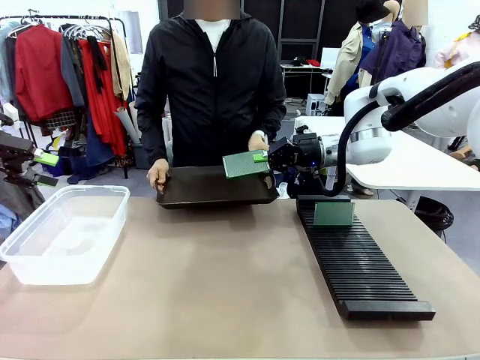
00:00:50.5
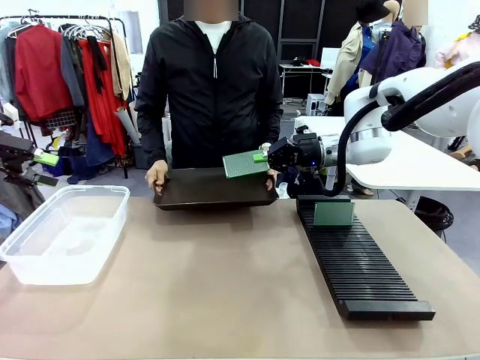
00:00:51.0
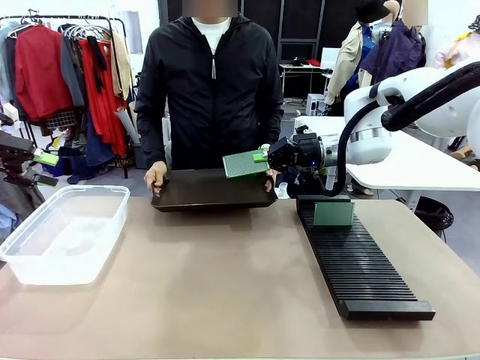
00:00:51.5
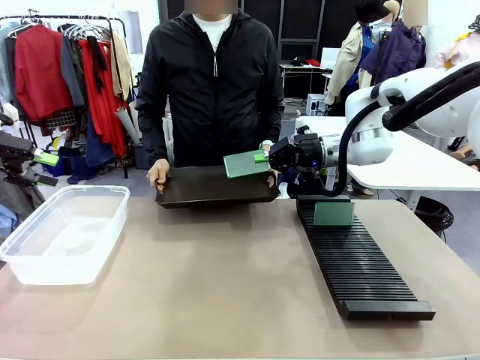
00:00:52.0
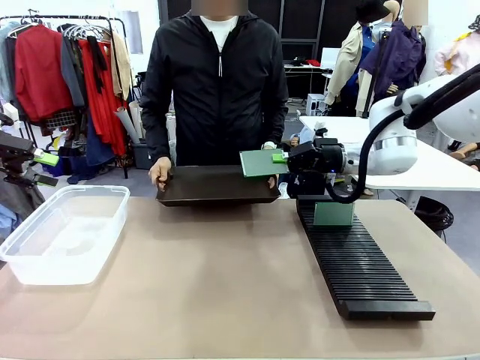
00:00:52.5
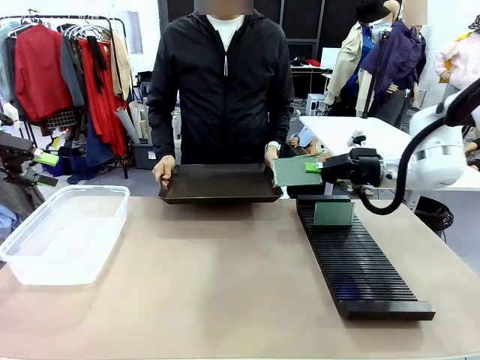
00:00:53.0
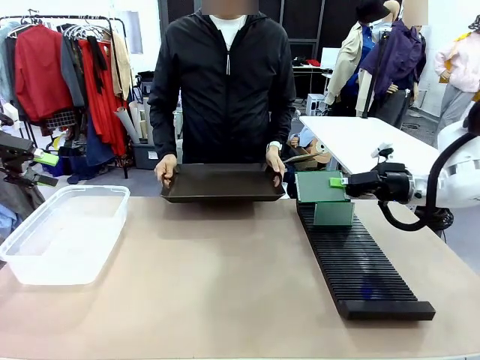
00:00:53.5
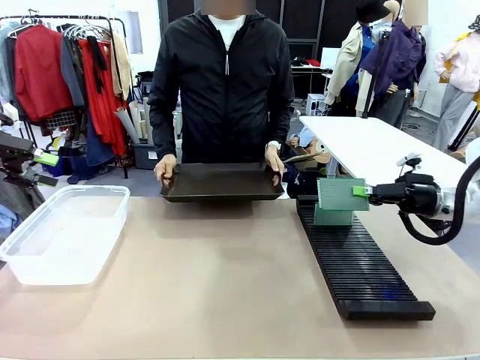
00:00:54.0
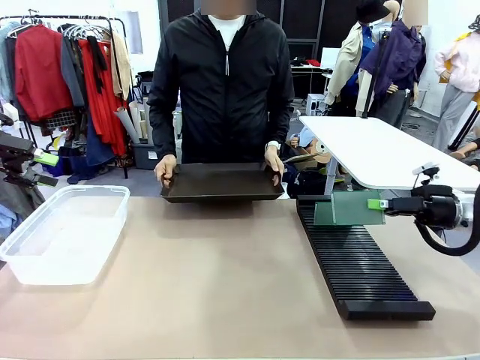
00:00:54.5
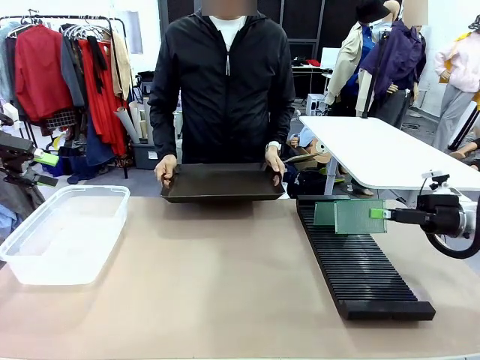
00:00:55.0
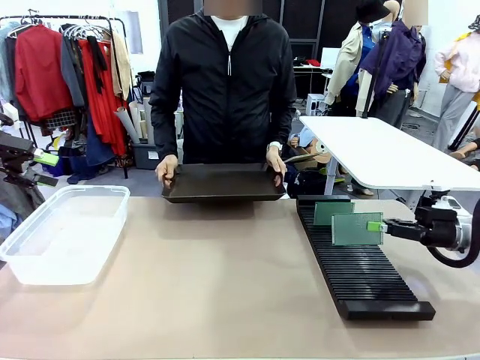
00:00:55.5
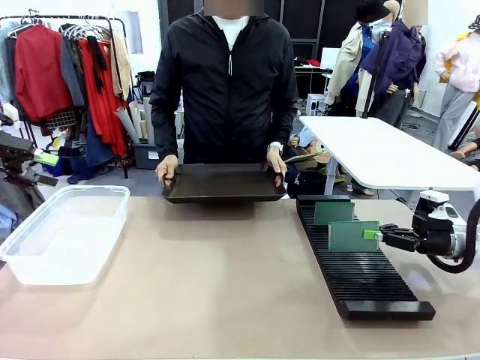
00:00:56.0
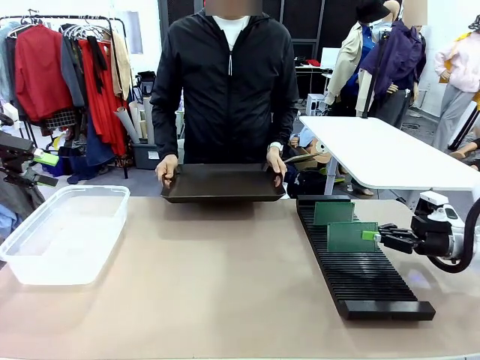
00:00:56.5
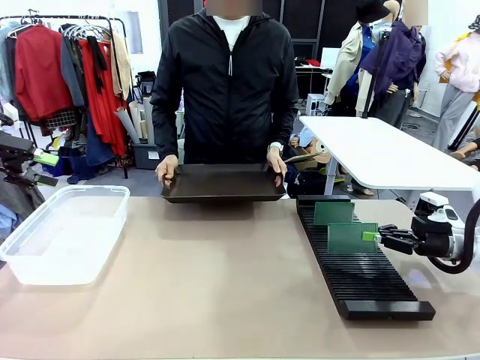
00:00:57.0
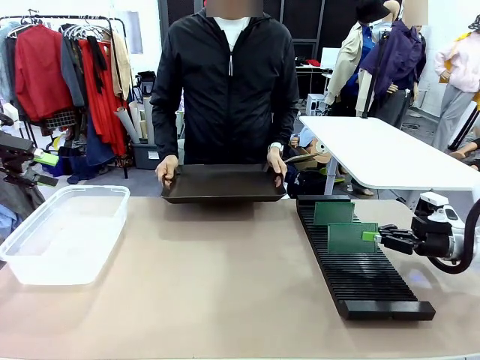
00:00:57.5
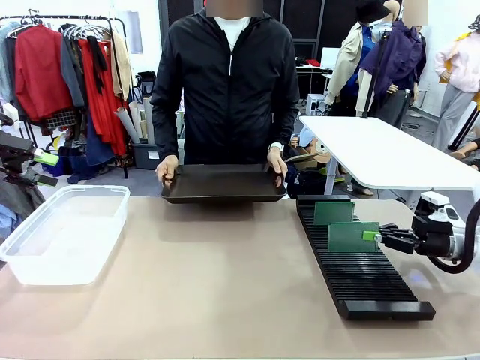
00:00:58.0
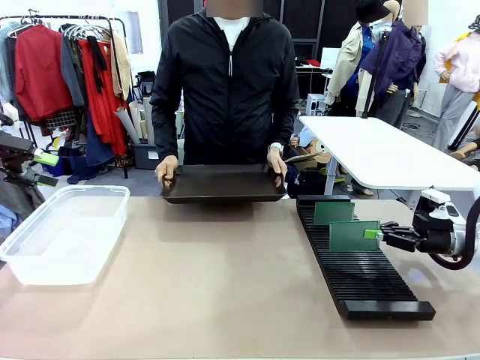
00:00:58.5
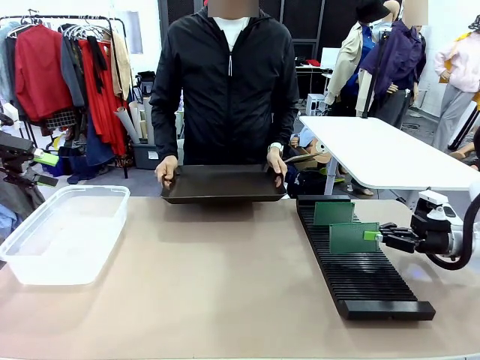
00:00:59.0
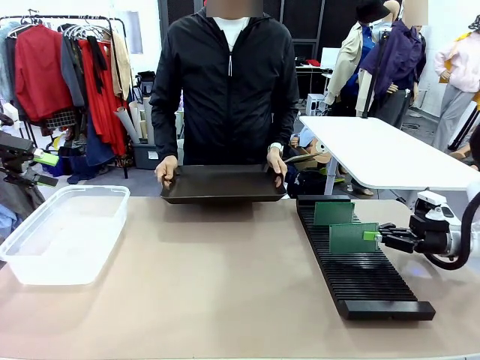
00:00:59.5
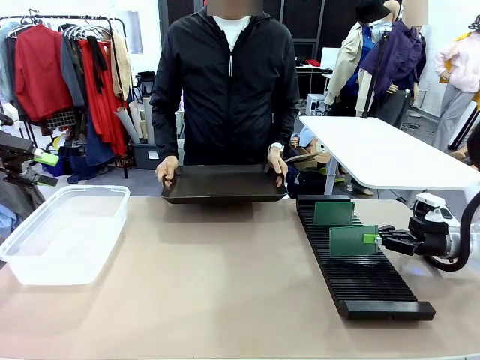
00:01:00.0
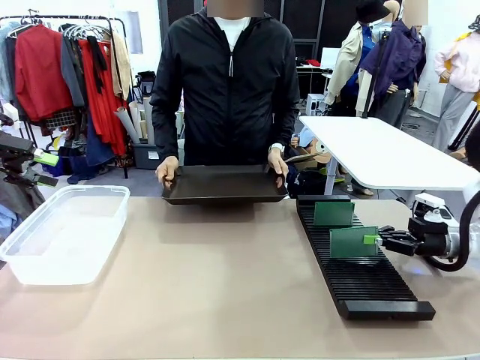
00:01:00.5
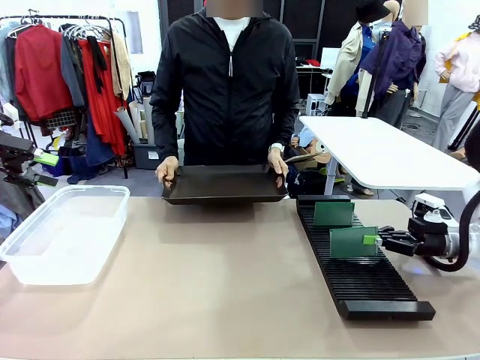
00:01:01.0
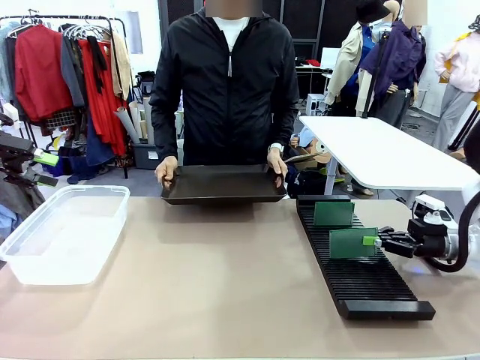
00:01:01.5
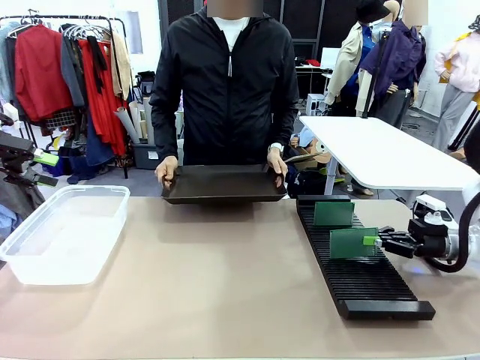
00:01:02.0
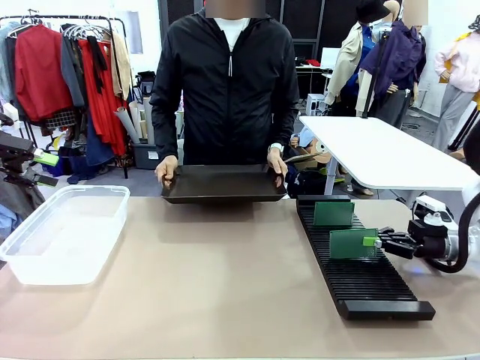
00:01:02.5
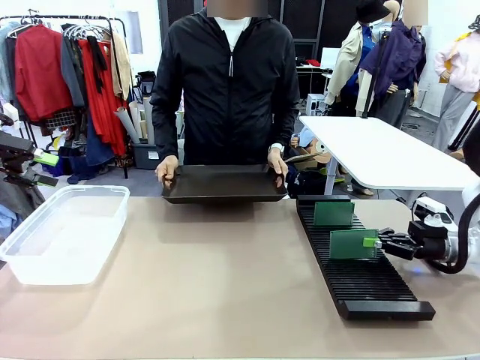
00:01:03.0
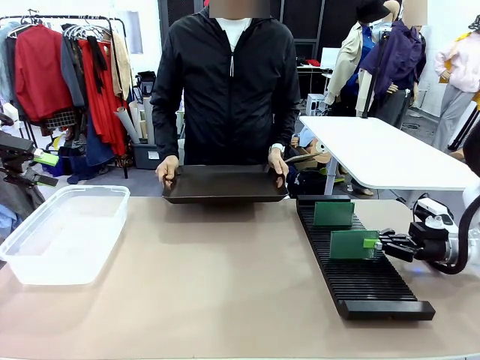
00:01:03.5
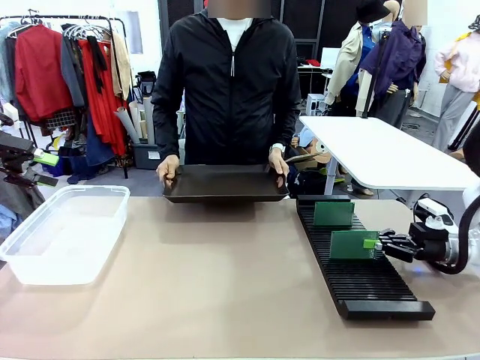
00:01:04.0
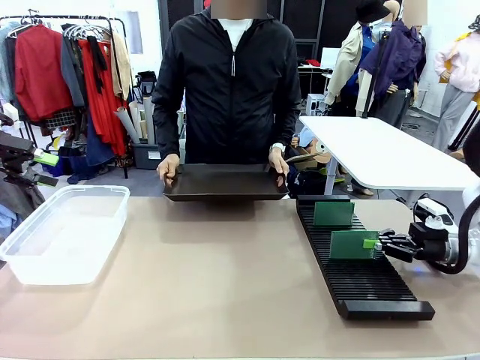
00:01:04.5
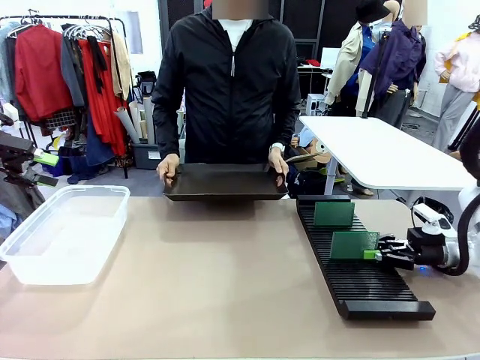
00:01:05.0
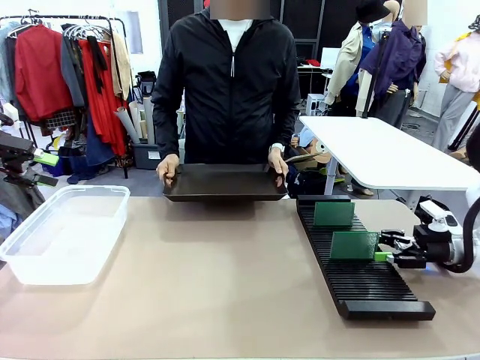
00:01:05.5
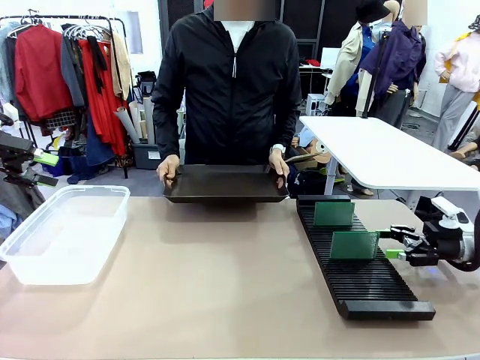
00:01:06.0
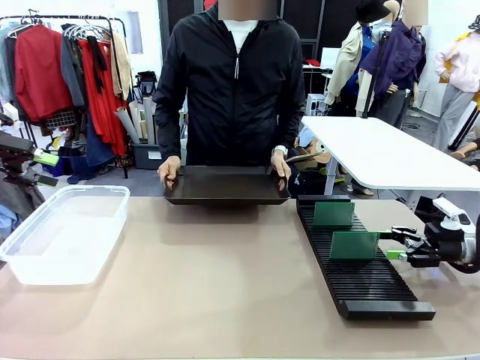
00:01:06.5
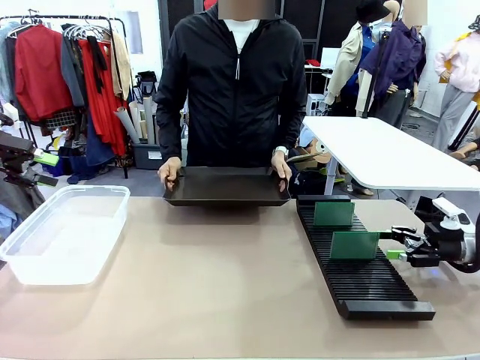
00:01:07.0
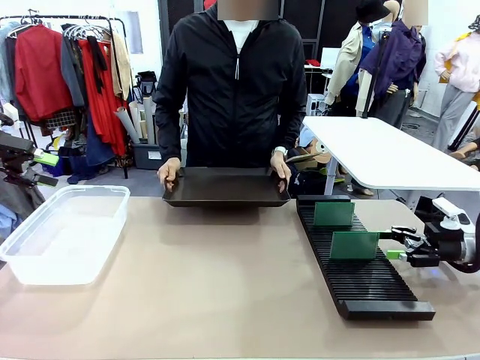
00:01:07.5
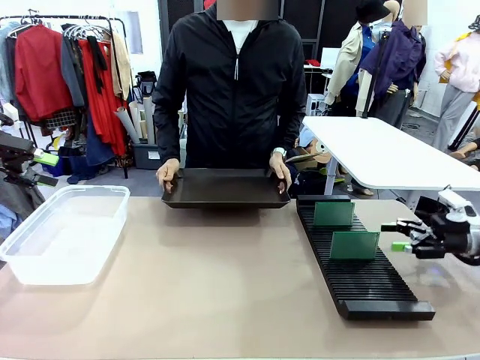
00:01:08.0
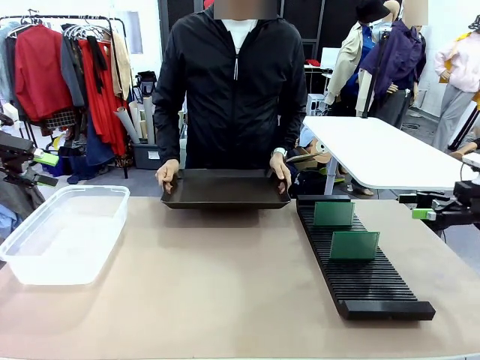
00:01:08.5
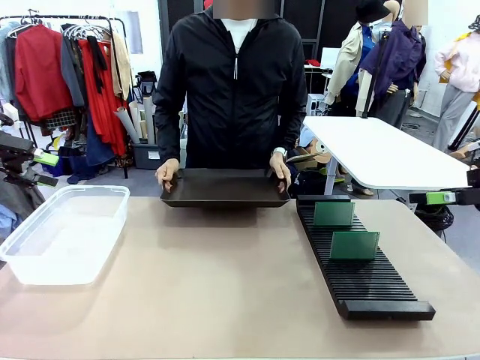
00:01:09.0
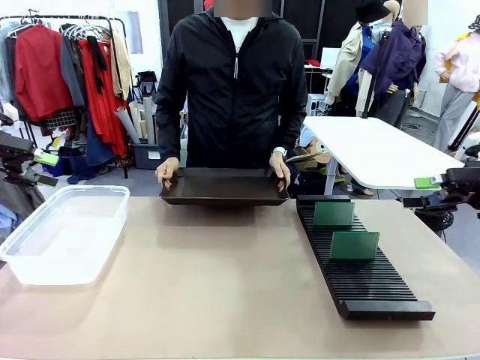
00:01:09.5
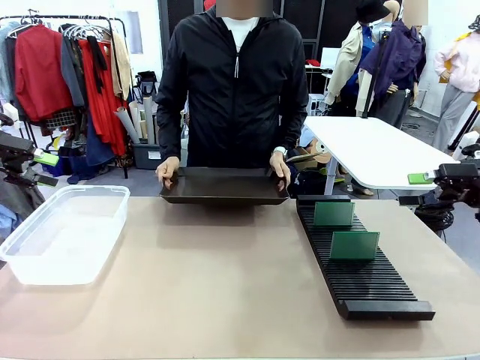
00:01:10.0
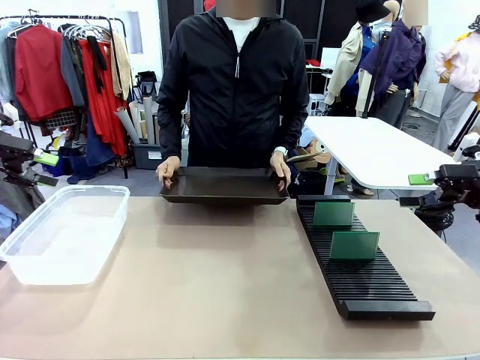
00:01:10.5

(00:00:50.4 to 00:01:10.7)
Task: Sort PCBs into racks and boxes based on the side picked up.
Robot: If the short side of the Blank PCB is picked up, insert it into the PCB Rack ; if the long side is picked up, place it in the Organizing box.
Person: Release the PCB being held.
